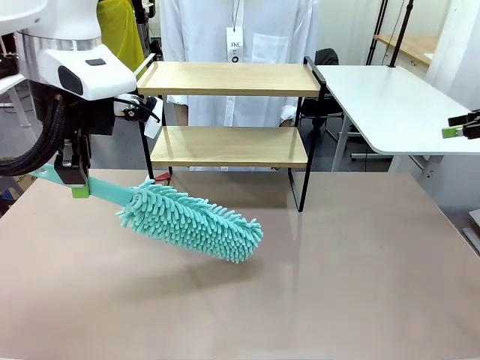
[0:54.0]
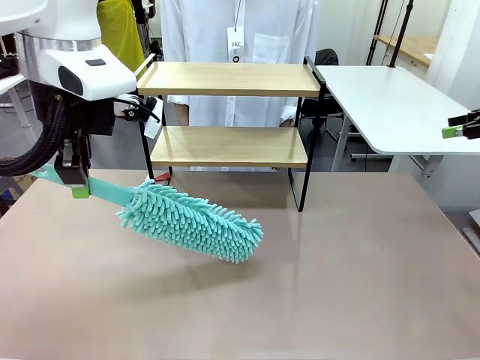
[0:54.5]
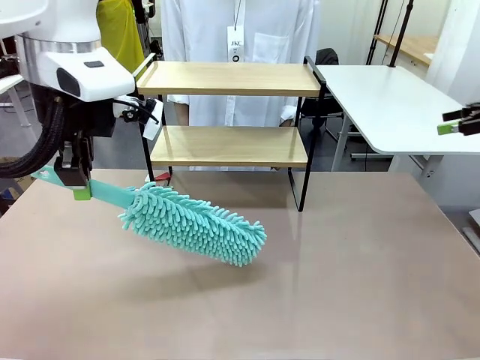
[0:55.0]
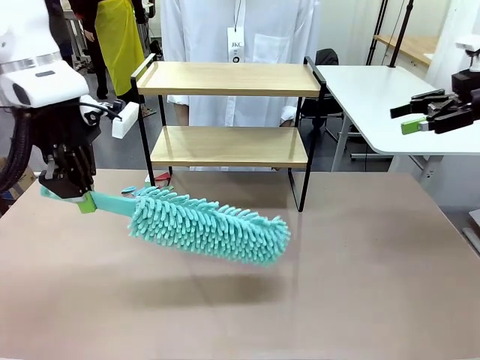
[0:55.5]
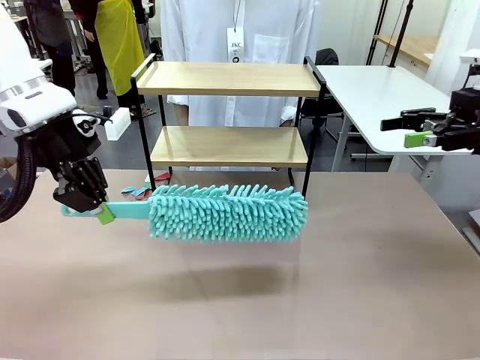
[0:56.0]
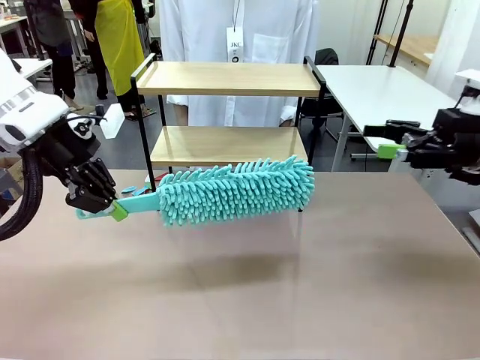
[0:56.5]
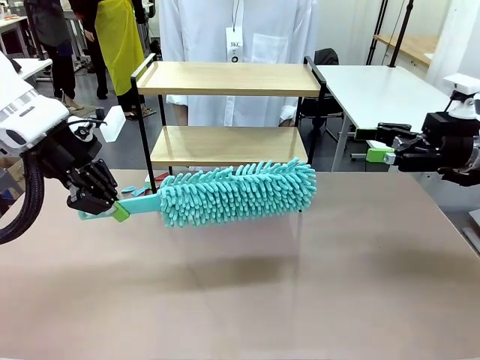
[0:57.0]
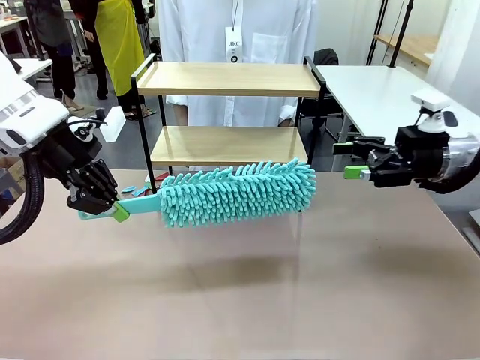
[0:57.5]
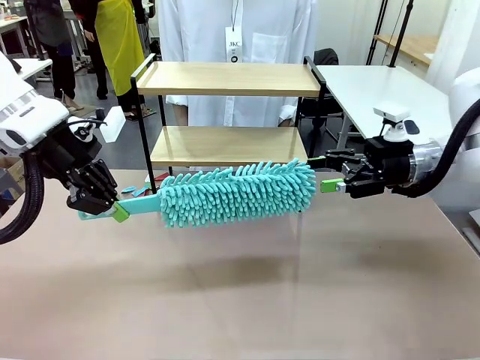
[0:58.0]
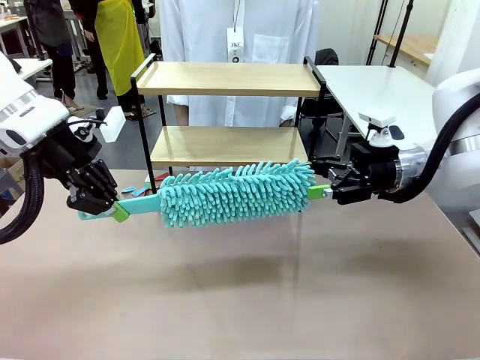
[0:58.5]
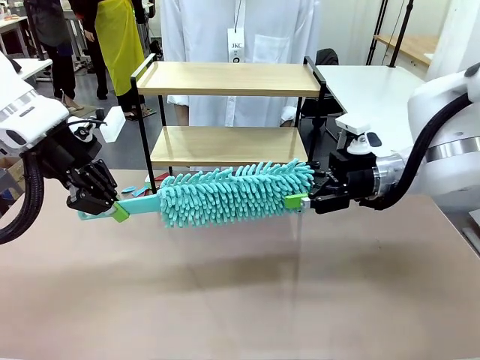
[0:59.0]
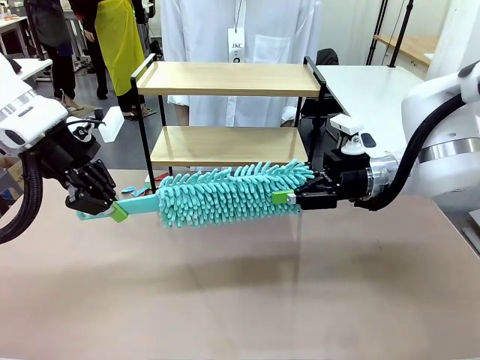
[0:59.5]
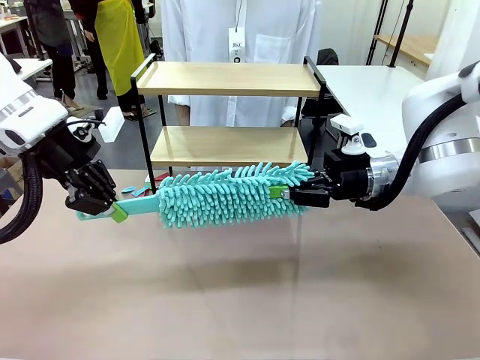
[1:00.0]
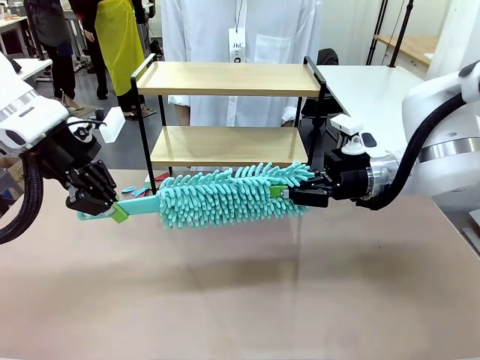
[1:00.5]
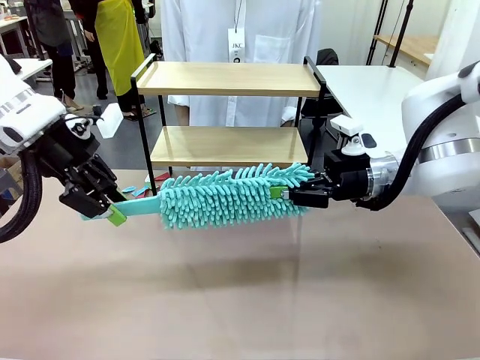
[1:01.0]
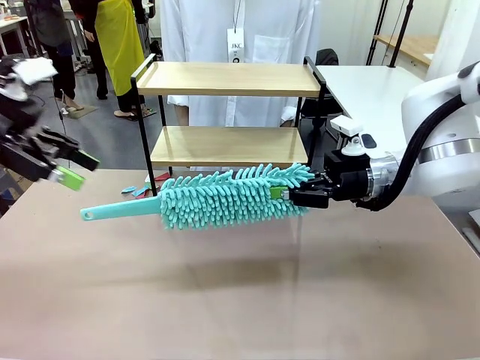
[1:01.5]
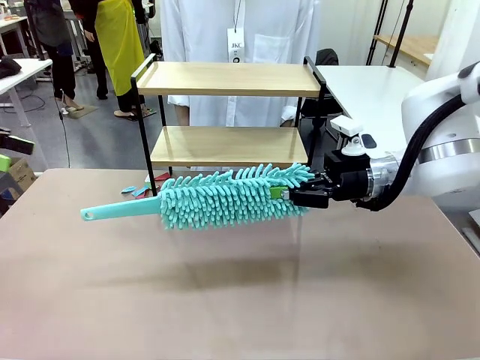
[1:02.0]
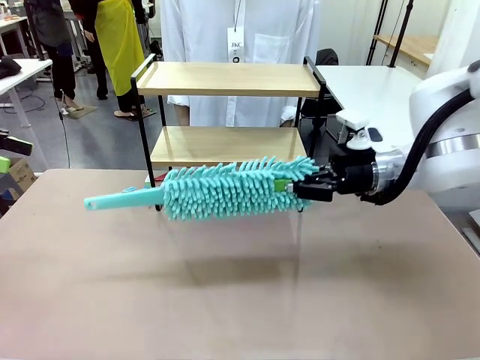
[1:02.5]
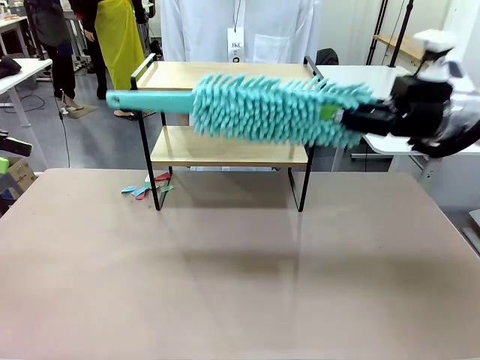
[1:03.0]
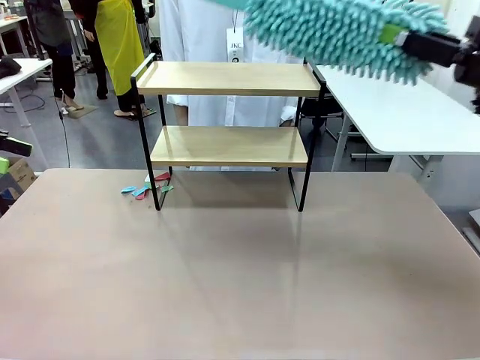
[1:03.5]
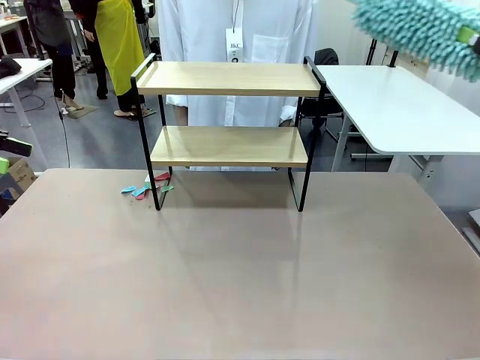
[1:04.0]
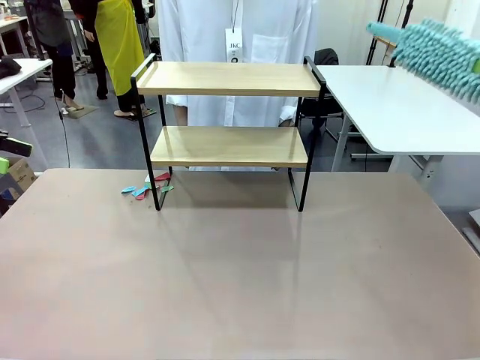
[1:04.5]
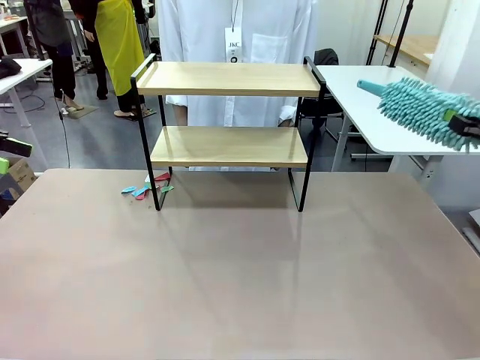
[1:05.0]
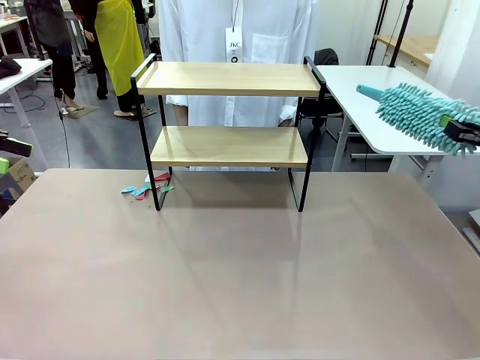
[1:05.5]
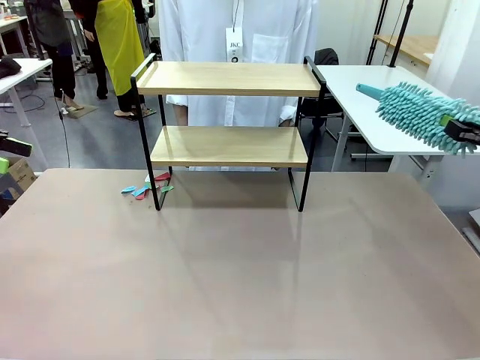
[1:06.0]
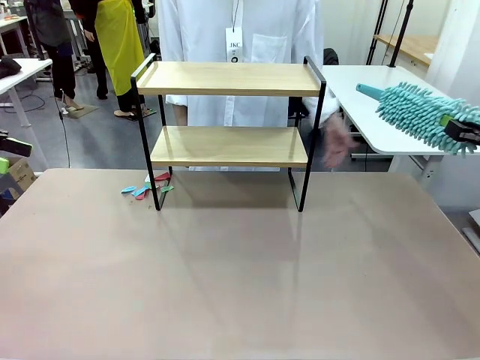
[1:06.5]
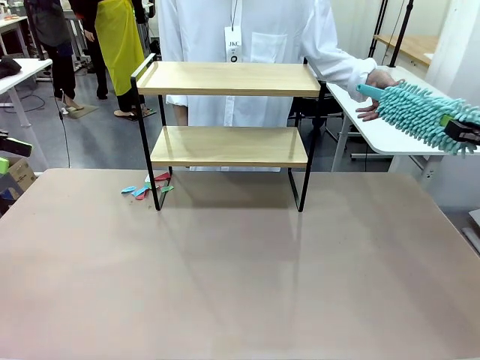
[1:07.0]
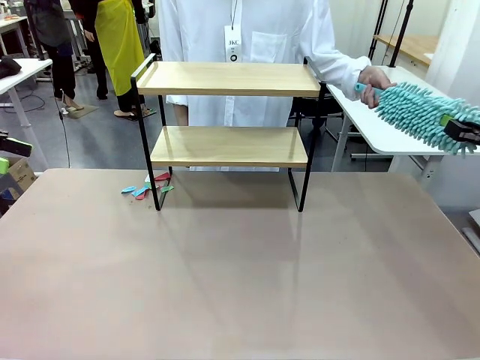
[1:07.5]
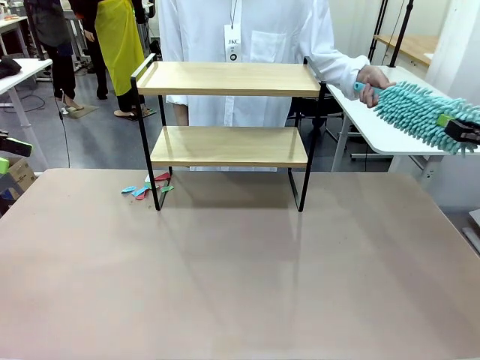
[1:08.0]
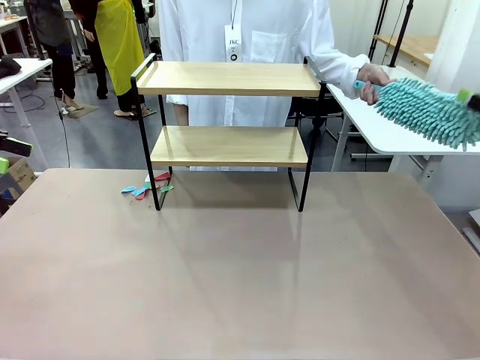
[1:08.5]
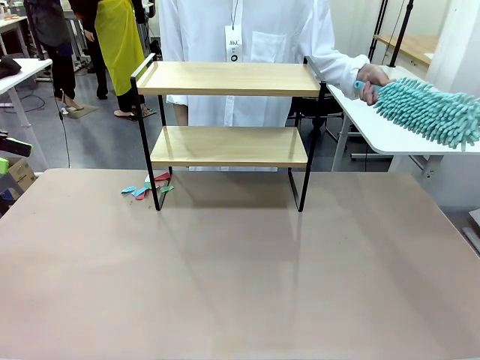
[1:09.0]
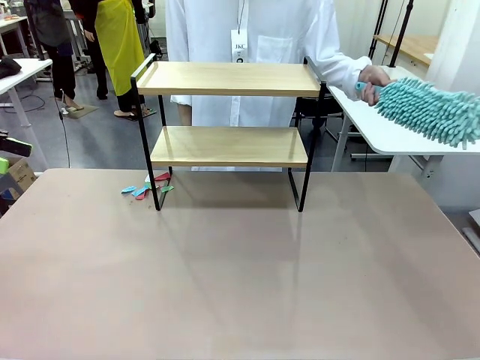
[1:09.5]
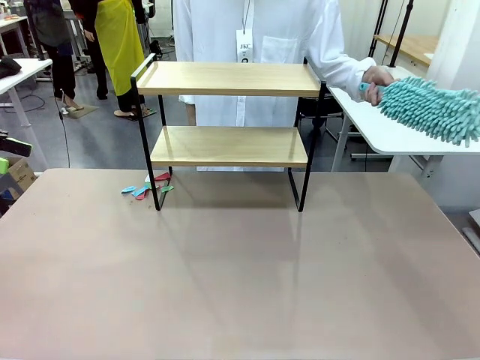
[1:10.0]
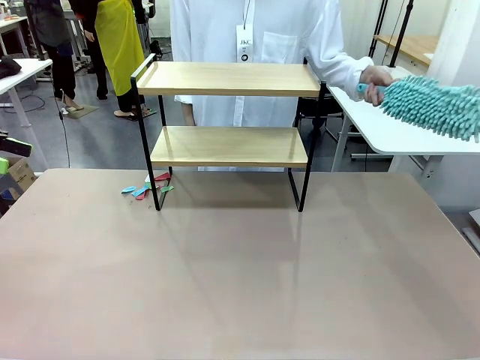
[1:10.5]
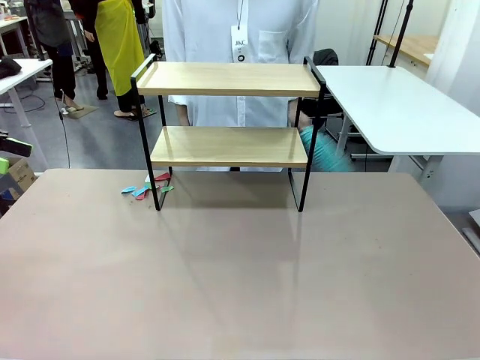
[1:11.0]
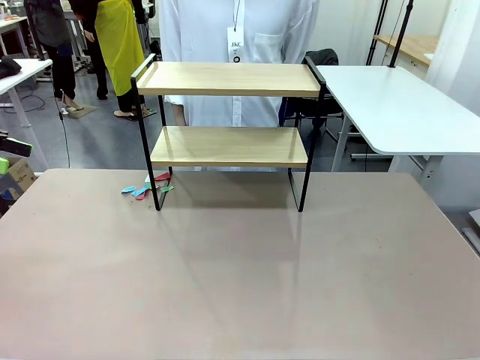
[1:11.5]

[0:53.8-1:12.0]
Task: Clean the shelf.
Robot: Hand the Duster back to the human.
Person: Receive the Duster from the robot.

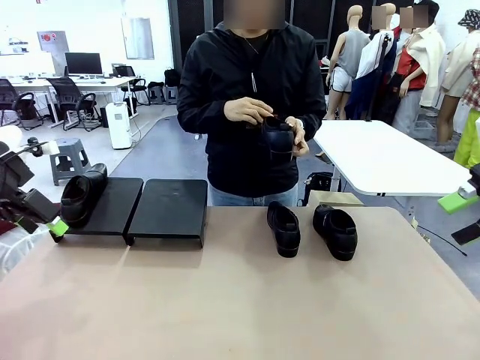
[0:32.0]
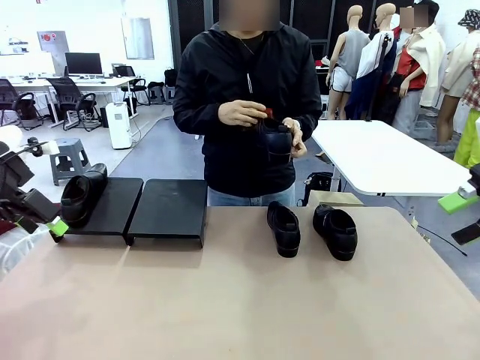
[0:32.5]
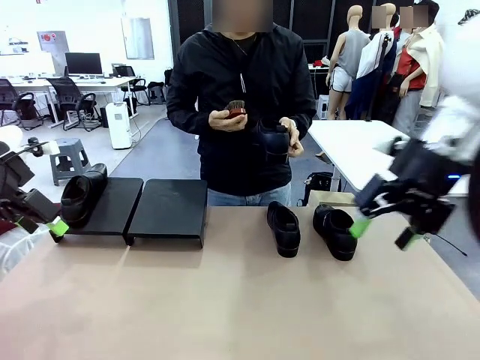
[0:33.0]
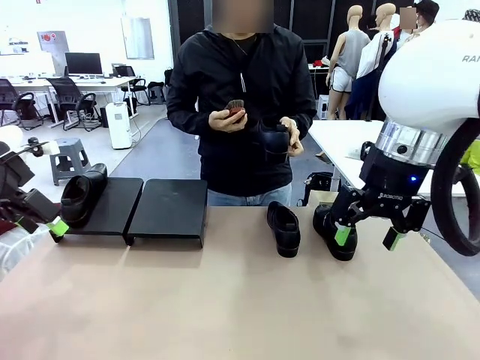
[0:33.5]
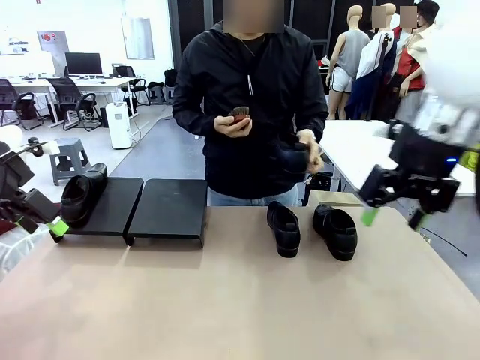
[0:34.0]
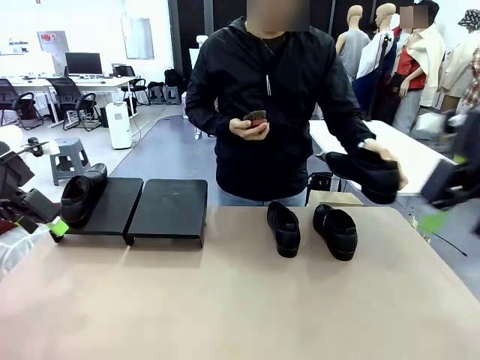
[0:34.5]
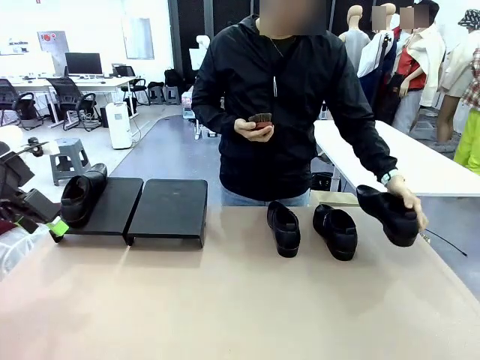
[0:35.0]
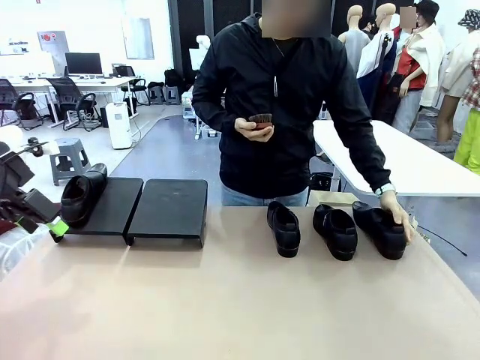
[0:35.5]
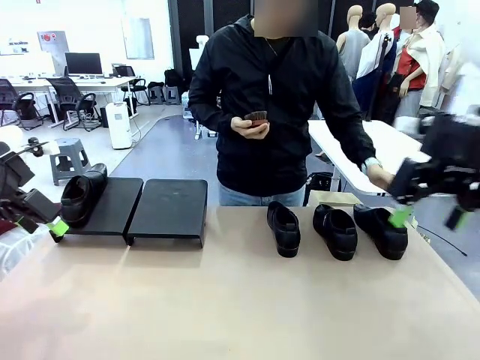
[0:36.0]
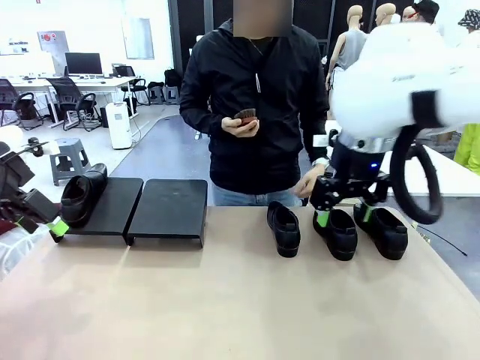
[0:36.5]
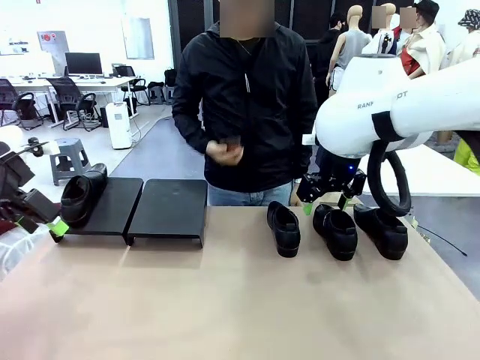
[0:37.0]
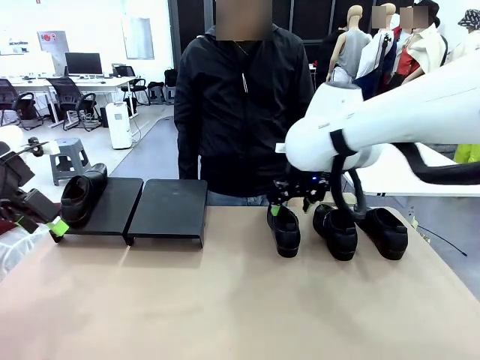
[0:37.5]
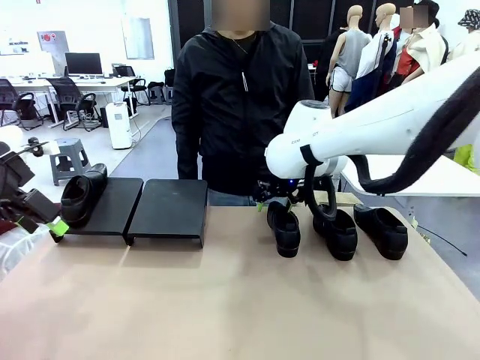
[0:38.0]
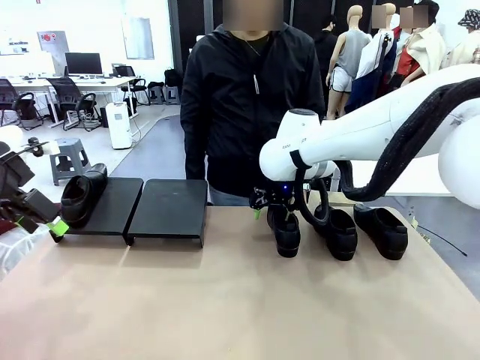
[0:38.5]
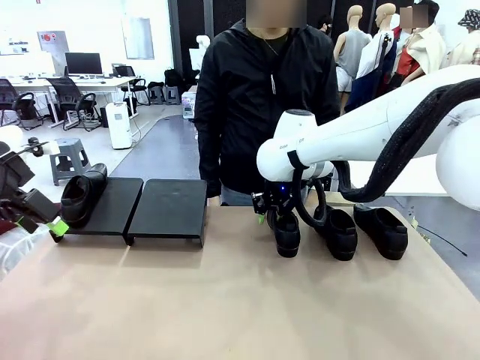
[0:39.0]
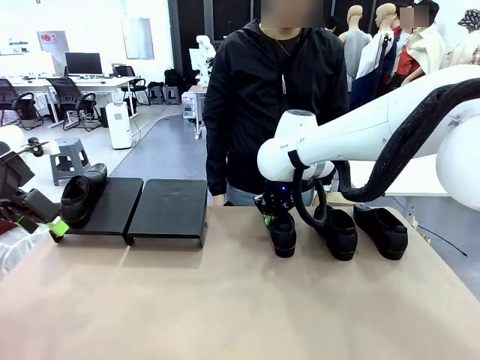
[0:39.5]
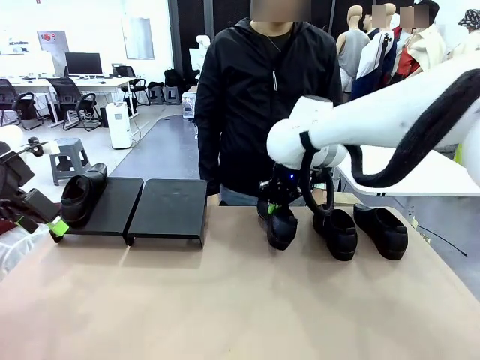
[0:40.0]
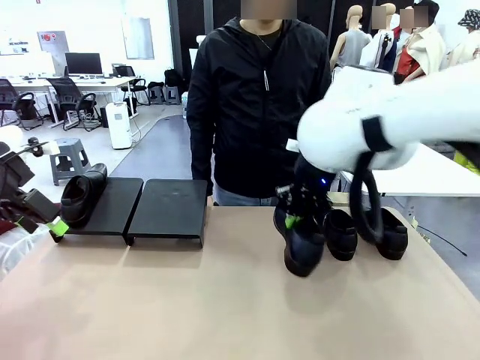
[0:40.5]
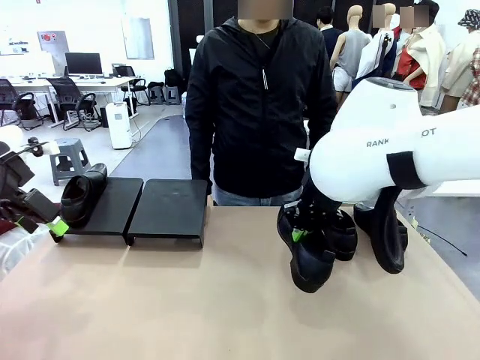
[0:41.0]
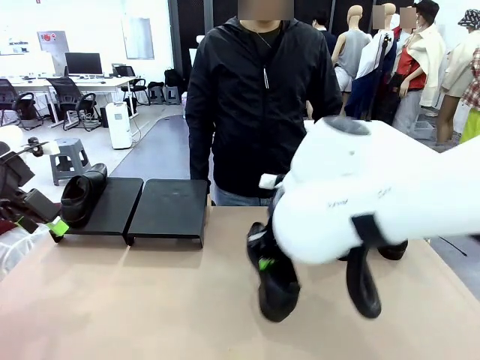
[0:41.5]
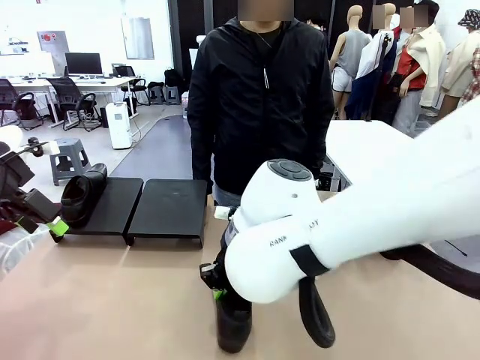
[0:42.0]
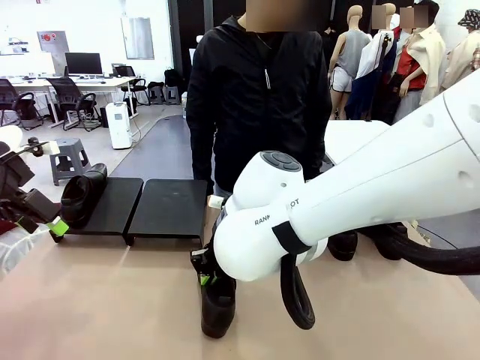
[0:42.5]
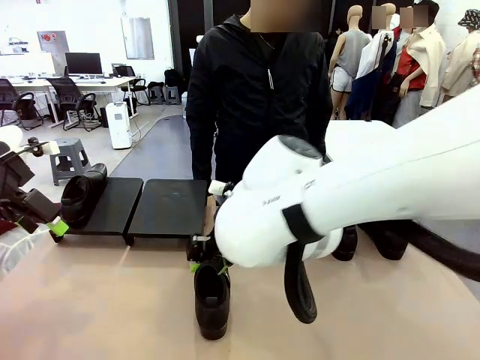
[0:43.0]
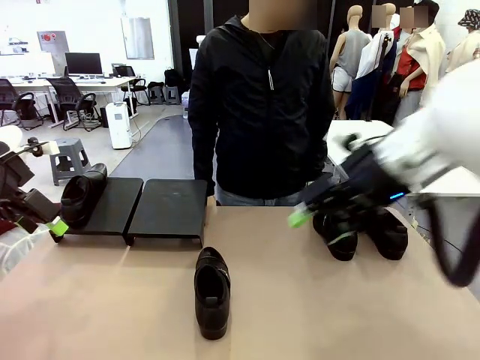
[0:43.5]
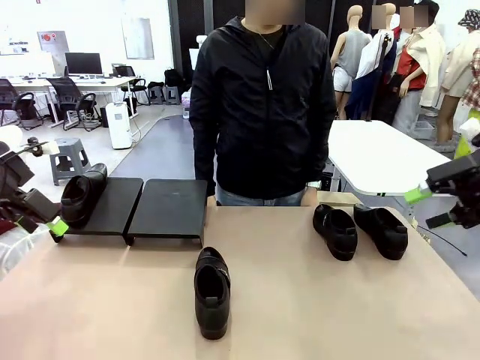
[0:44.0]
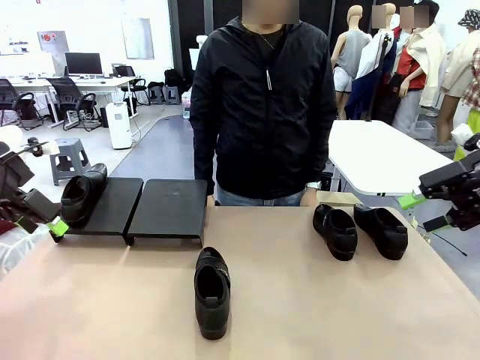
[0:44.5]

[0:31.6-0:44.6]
Task: Organize the shoes by placing them on the stand.
Robot: Pick up one Shoe and place it in the middle of the table.
